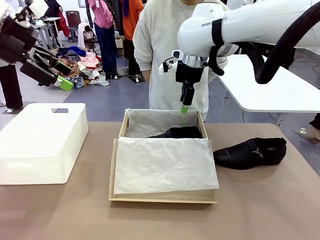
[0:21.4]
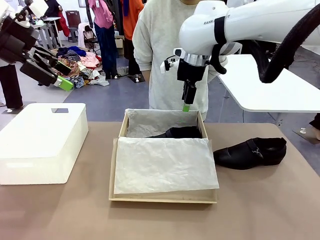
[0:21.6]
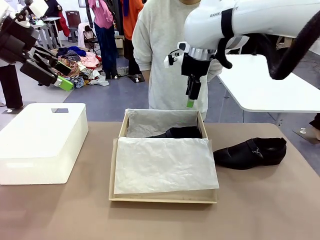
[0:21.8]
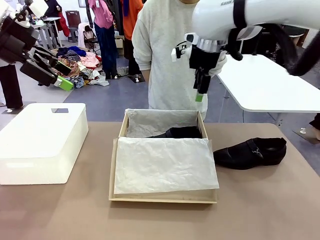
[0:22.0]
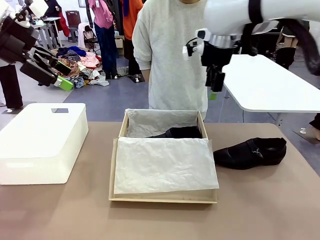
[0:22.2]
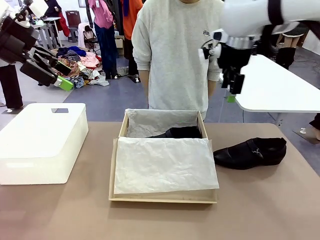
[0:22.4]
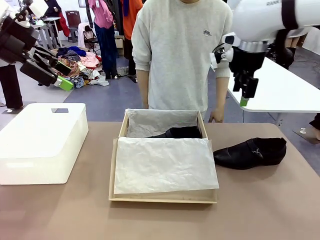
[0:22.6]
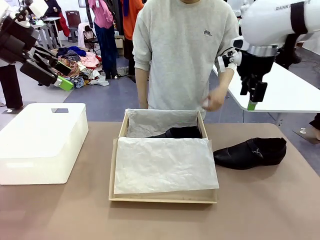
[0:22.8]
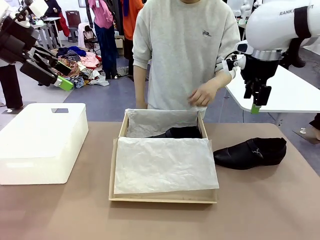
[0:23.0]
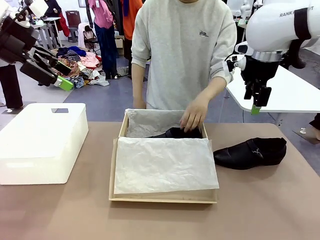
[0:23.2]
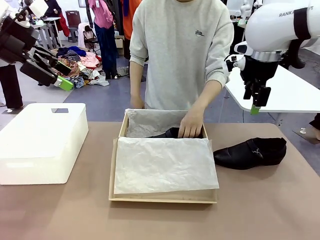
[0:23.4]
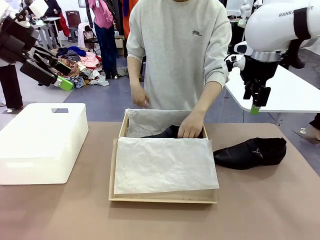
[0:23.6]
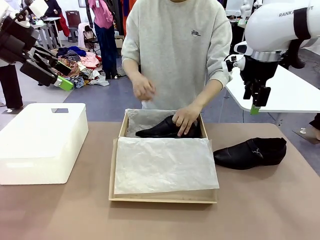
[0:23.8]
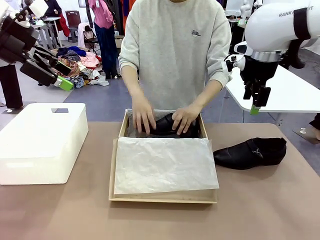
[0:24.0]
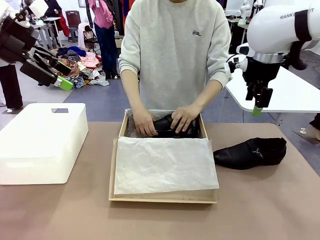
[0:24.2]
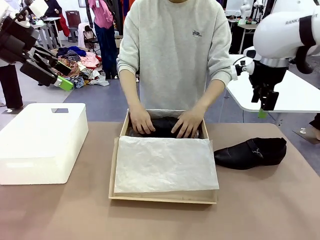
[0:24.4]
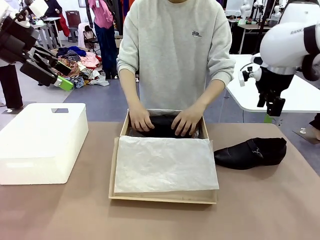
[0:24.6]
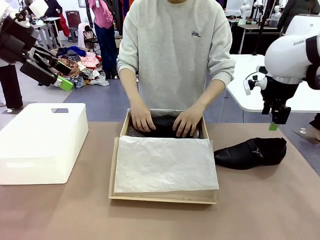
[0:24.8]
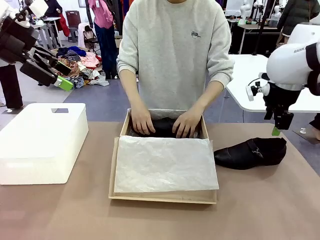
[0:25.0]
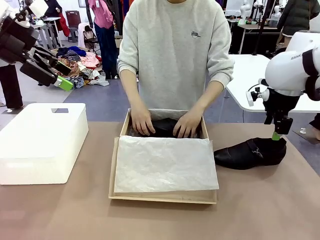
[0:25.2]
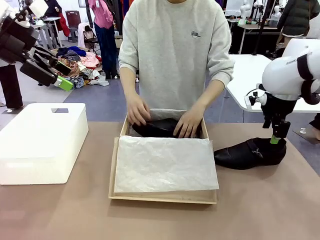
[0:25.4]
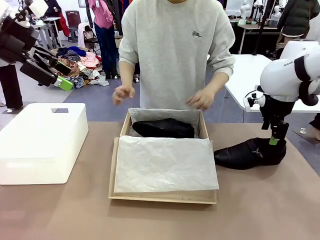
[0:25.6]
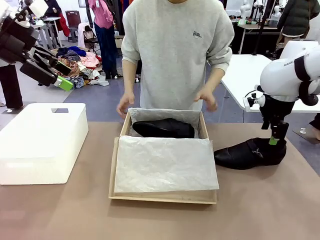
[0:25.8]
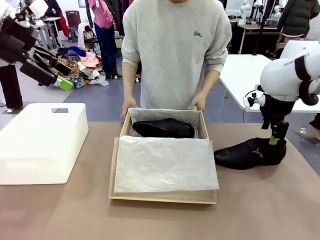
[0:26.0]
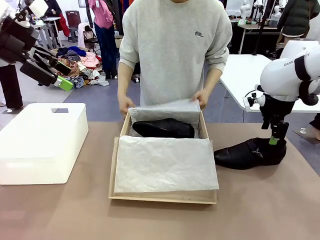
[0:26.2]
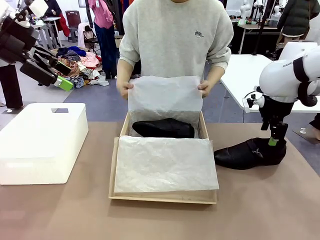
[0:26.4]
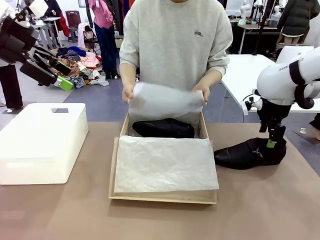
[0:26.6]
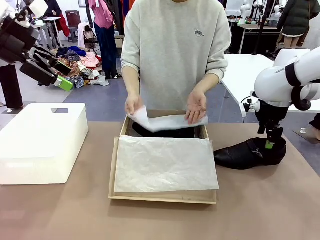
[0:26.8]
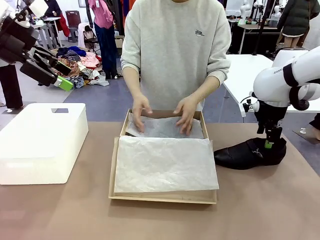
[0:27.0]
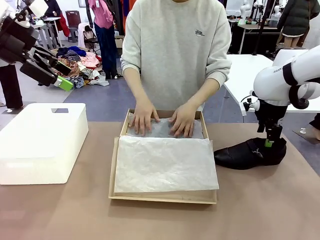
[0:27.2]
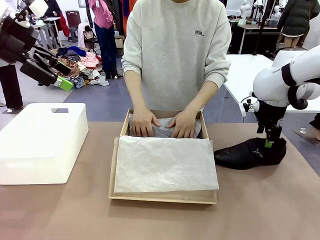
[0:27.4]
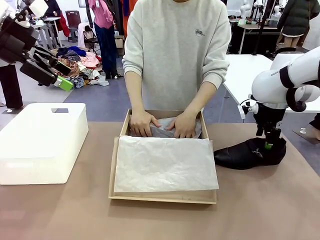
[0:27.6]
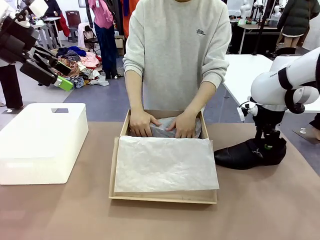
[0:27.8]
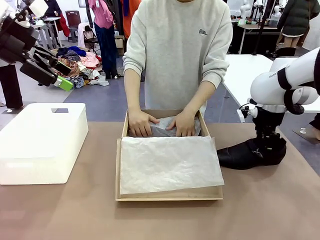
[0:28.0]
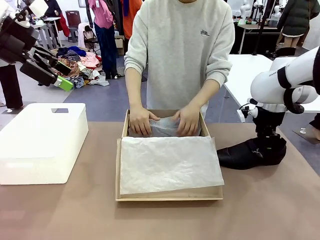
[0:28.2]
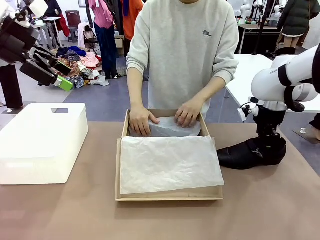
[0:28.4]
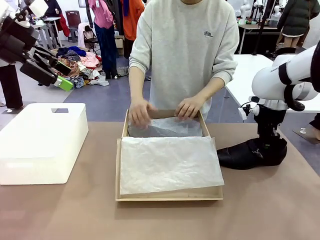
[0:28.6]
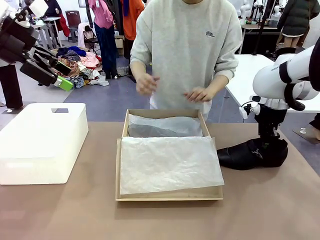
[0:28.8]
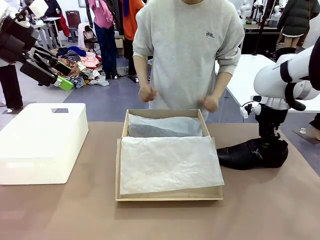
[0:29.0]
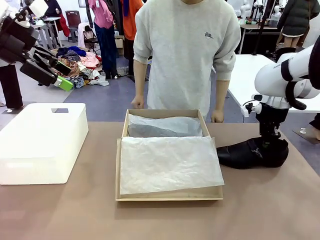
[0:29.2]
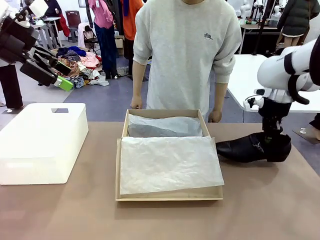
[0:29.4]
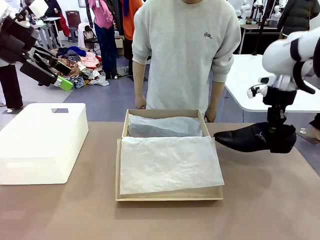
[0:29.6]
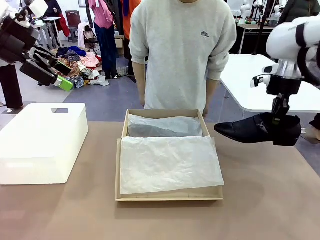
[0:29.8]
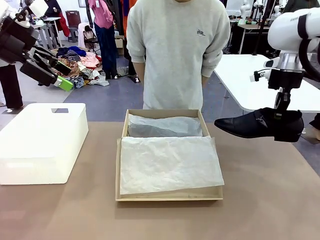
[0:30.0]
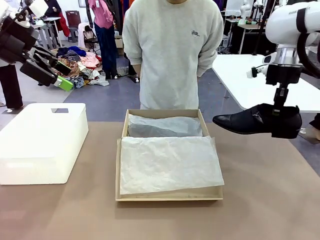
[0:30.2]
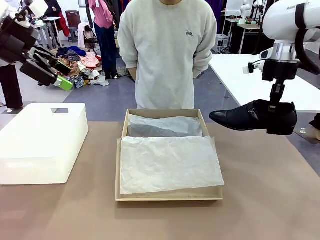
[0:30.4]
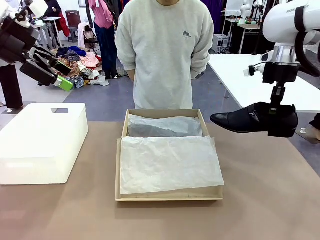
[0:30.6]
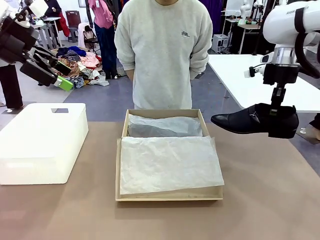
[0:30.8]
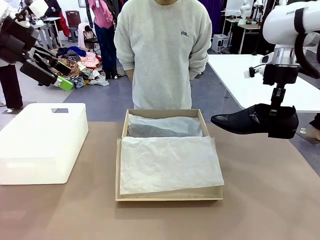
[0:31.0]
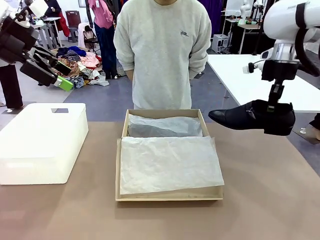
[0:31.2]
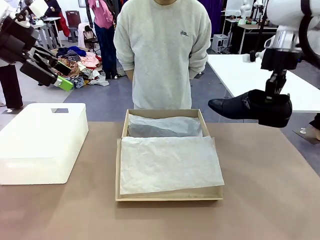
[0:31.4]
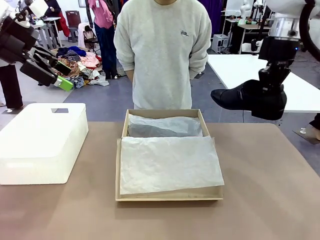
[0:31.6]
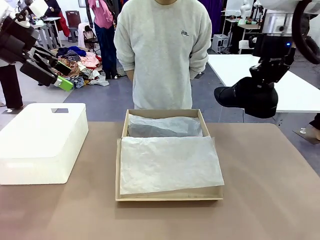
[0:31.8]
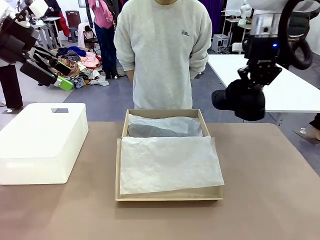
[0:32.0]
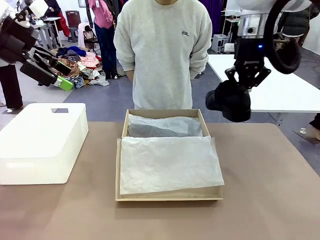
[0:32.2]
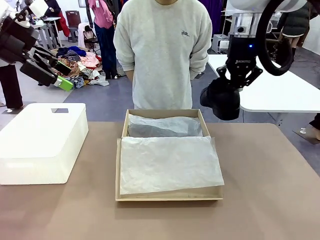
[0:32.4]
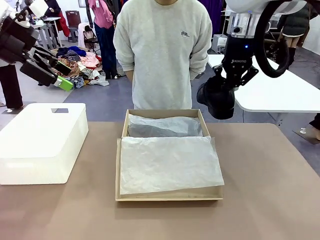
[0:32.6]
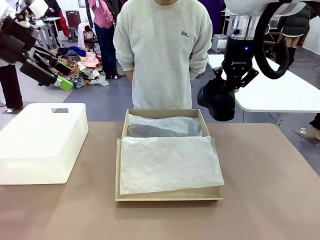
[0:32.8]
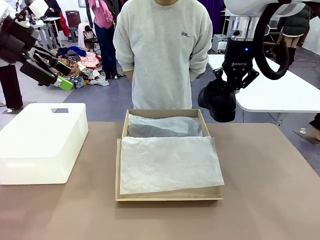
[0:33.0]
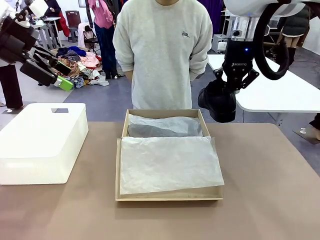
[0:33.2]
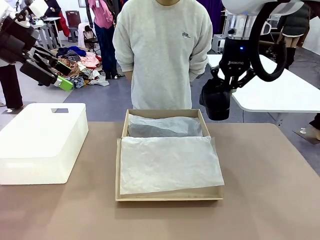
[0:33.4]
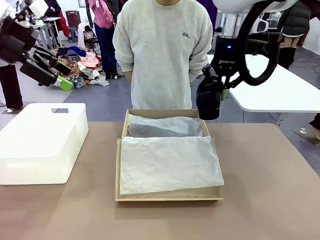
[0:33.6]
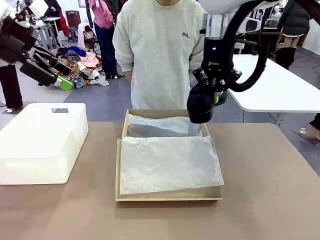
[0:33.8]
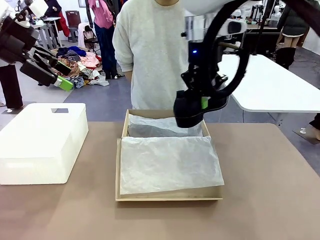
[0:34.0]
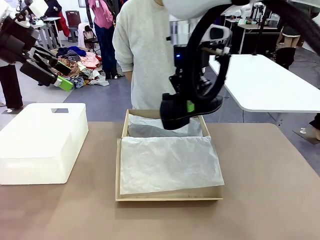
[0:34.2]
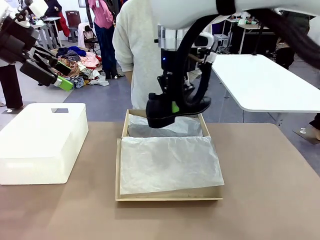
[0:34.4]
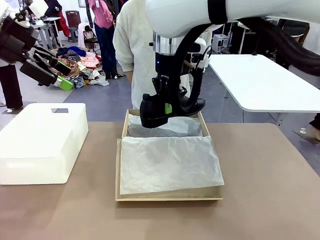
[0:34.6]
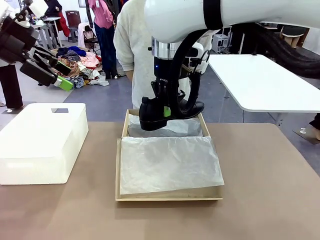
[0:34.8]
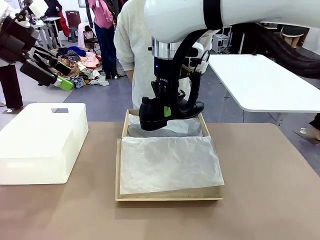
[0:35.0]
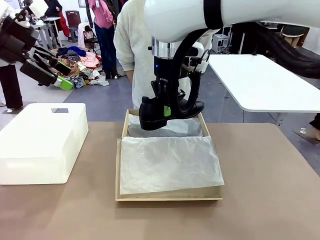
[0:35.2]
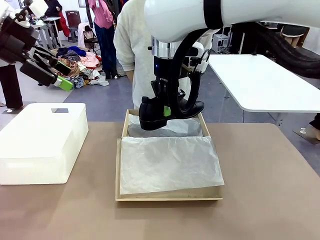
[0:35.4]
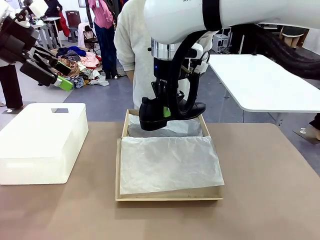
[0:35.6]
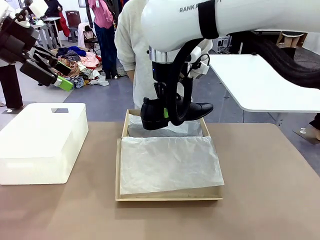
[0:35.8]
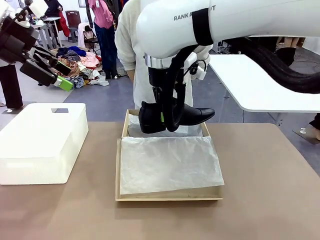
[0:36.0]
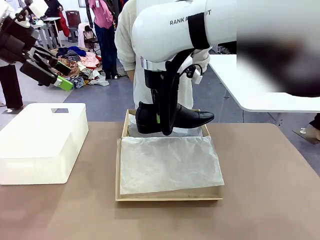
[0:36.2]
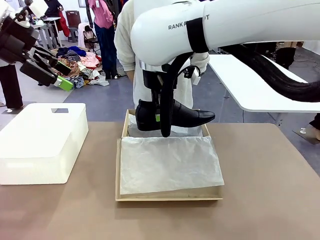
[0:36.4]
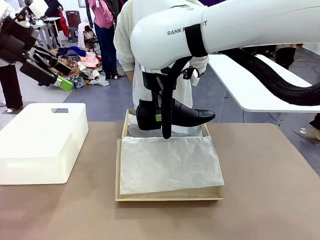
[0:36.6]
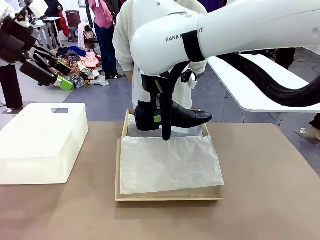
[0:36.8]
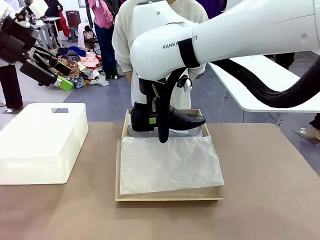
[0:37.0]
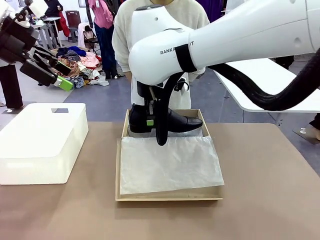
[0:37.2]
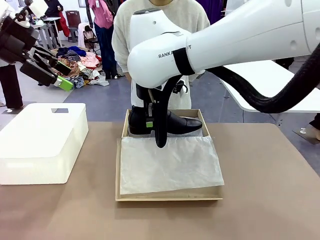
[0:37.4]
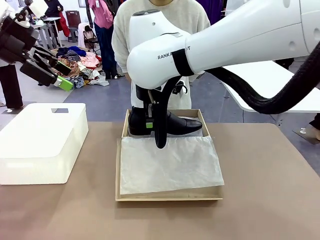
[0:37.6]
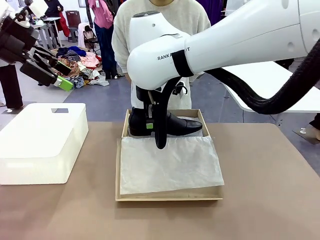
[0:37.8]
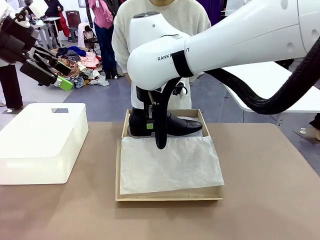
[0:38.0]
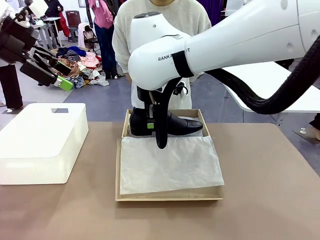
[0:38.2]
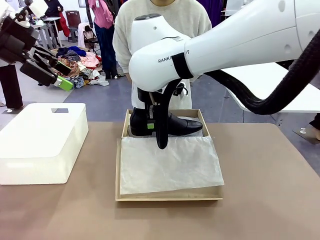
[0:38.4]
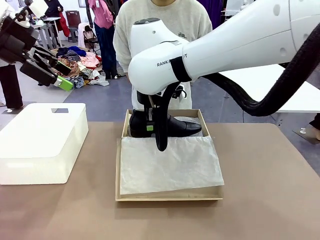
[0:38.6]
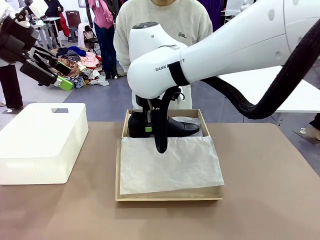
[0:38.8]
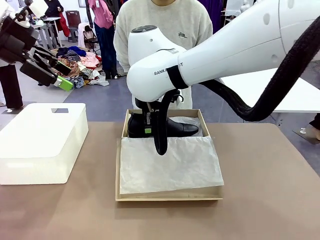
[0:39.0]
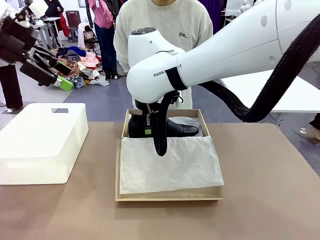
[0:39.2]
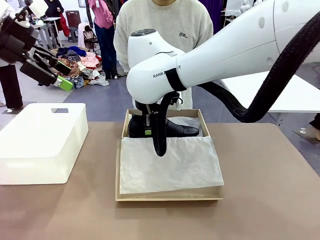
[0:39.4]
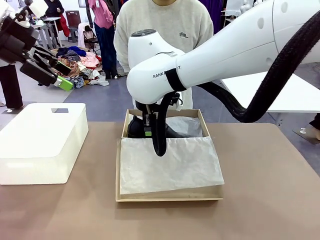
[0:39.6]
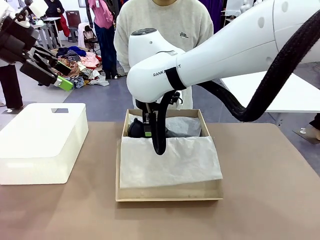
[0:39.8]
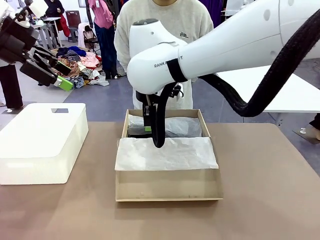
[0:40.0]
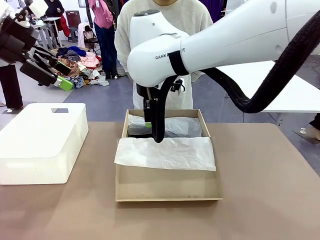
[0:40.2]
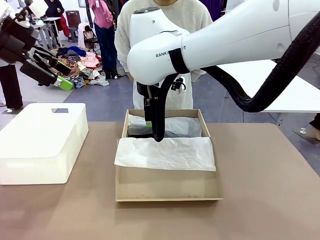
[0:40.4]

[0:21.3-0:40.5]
Task: Pack the shoes into the box.
Robot: Place the other shoe of the Shoes into the Shoes Box.
Person: Pack a shoe of Shoes inside the Shoes Box with Shoes Wrapping Paper.
